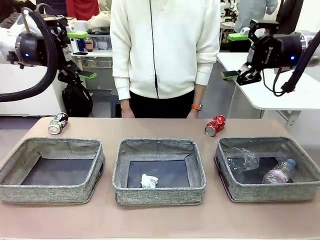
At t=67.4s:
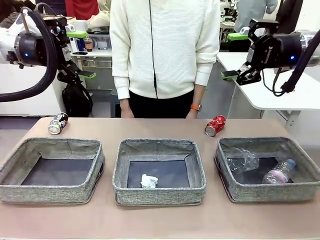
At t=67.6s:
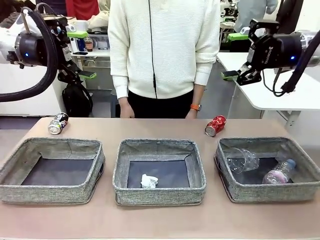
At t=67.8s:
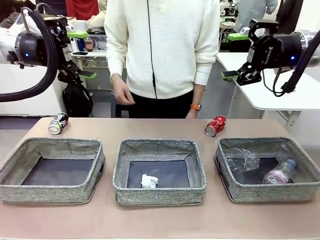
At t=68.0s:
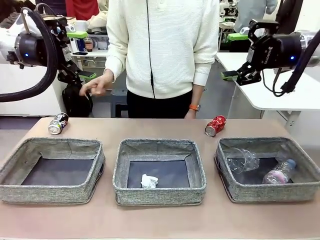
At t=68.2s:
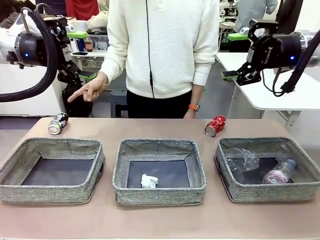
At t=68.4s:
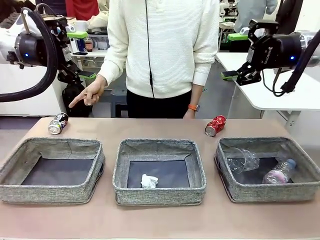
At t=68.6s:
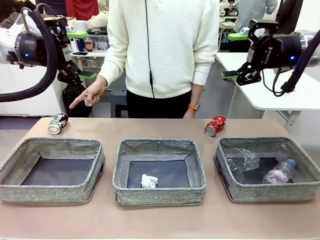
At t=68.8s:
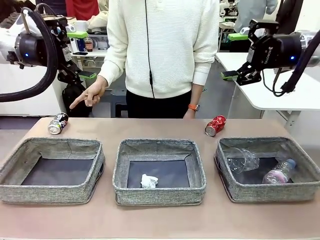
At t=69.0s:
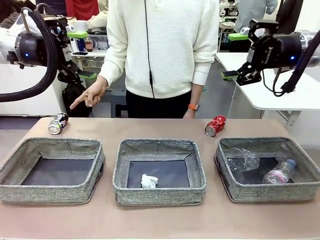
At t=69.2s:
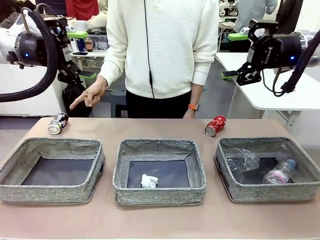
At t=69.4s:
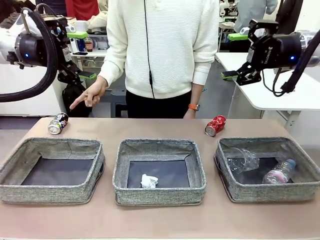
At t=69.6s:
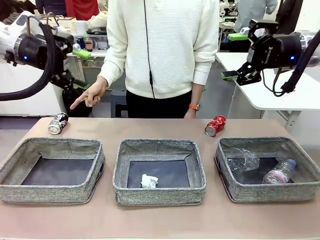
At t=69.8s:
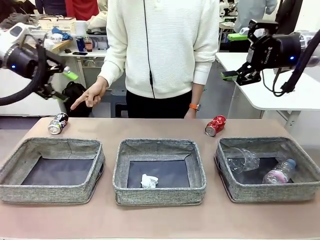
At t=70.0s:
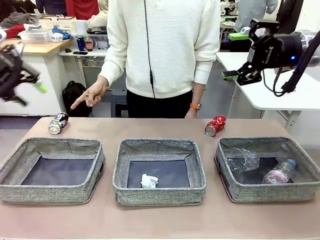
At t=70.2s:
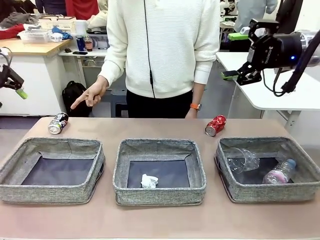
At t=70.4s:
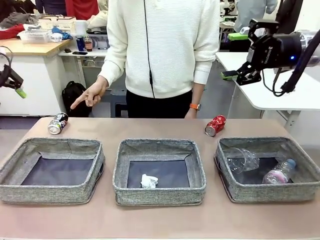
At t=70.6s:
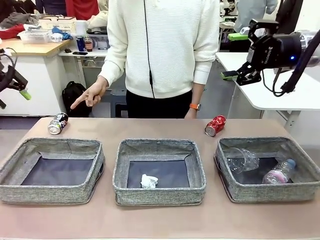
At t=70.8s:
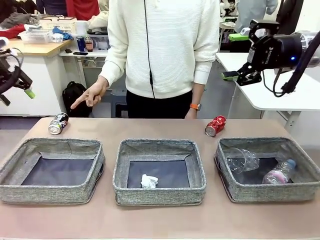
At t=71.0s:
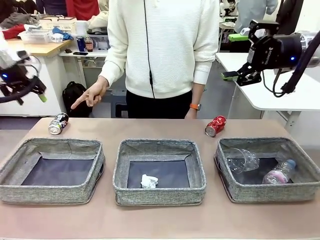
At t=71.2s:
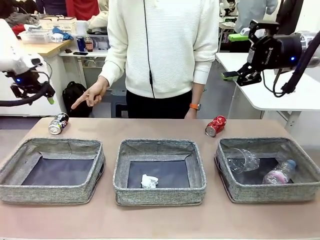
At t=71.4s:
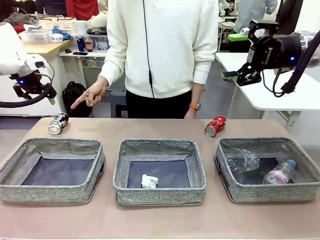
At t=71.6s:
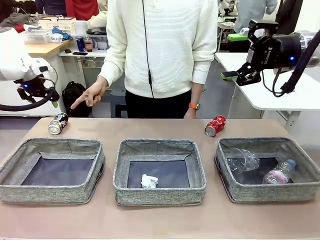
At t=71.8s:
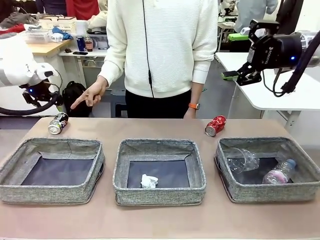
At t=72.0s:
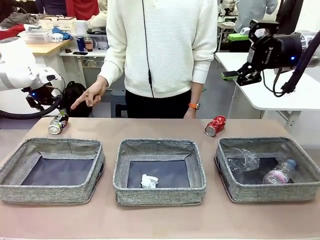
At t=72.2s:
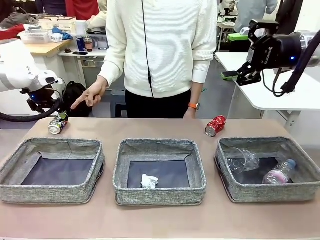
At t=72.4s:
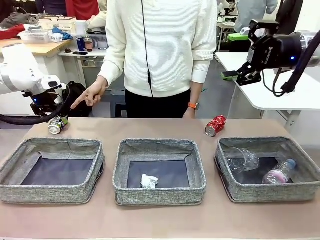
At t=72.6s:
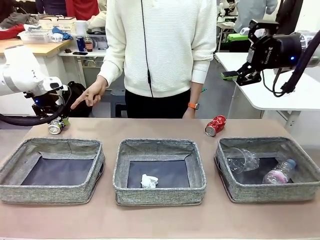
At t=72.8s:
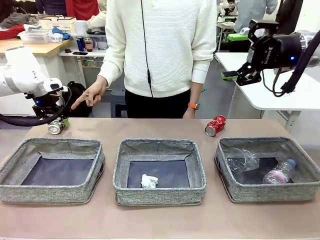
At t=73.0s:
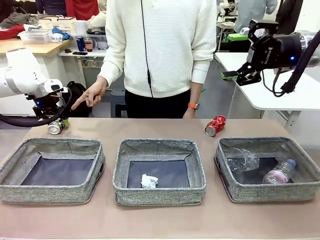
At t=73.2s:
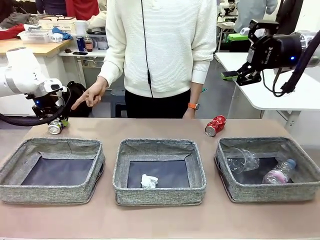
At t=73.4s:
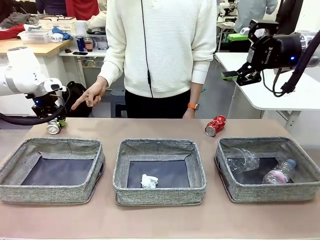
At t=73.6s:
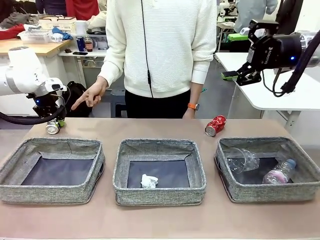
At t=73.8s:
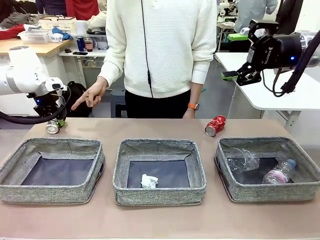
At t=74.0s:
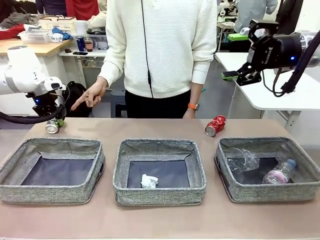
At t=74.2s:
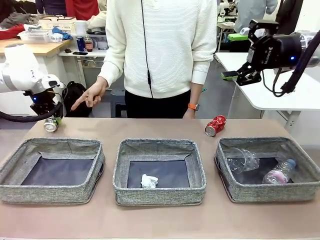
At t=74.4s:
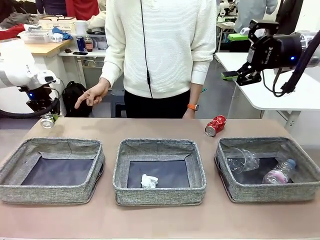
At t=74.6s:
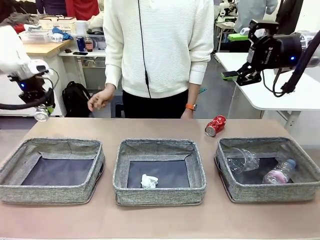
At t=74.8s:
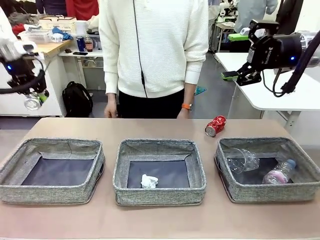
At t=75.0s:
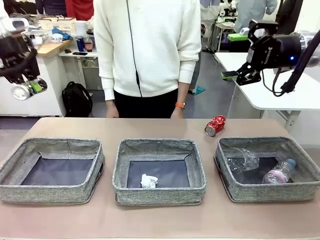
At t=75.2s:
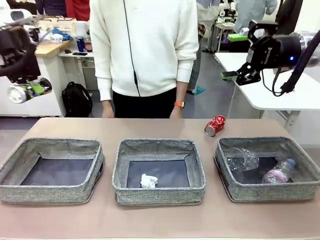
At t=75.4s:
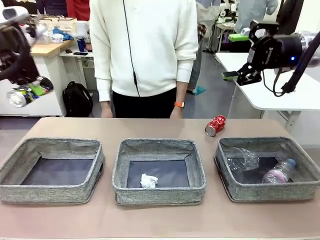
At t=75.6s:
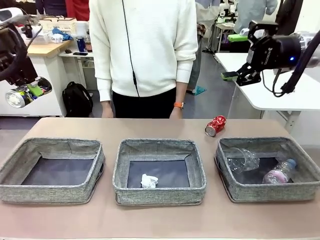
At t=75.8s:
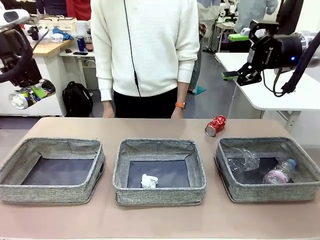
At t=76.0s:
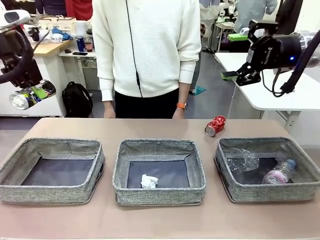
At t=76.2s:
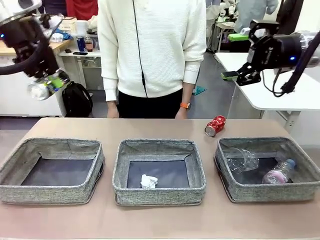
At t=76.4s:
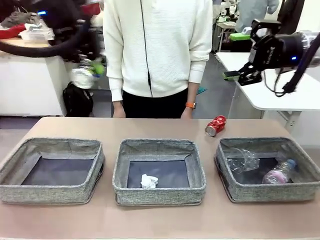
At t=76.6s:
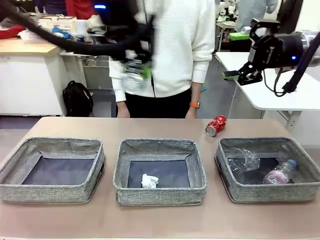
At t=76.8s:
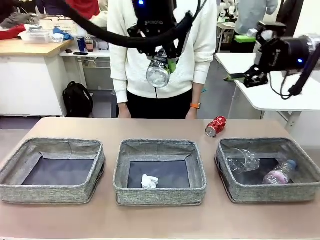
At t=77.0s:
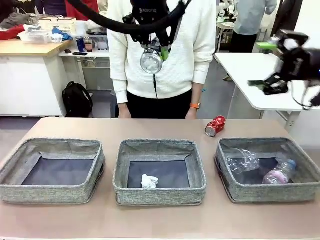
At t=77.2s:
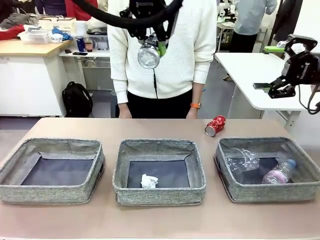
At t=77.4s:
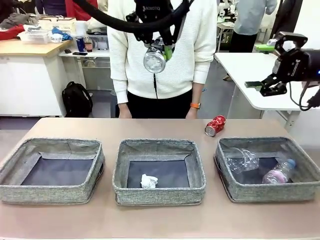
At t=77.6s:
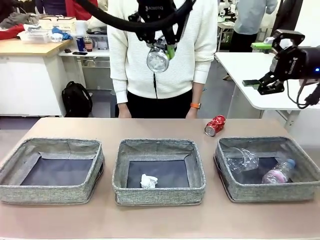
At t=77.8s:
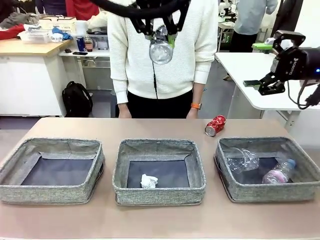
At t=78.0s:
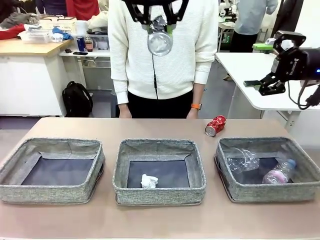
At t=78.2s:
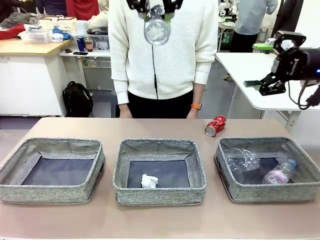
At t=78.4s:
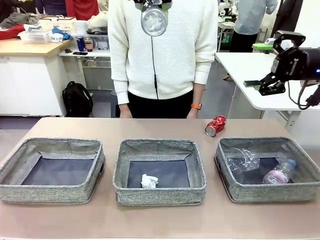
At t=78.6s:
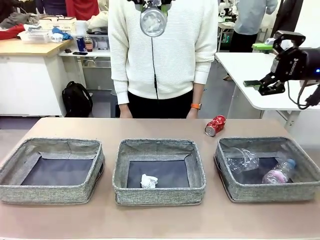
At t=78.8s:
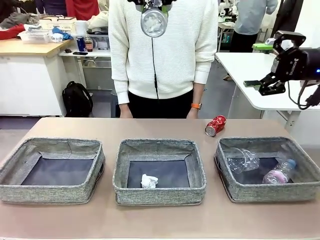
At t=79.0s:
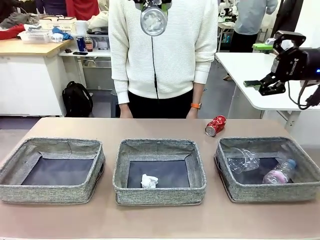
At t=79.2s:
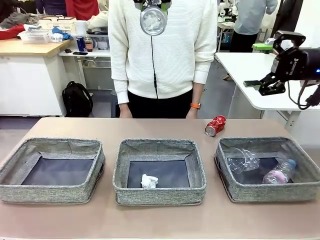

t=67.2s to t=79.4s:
Task: Sort the waste into the appropriate baskets.
Robot: Pick up the waste item pointed out by the person.
Person: Points to one piece of trash on the table.

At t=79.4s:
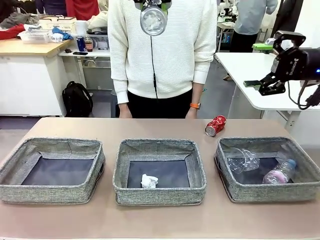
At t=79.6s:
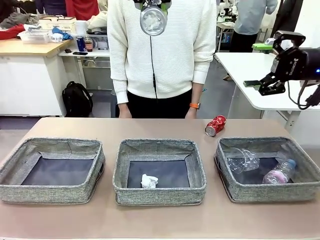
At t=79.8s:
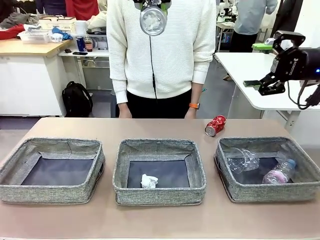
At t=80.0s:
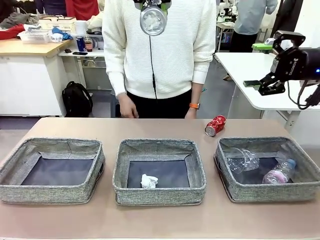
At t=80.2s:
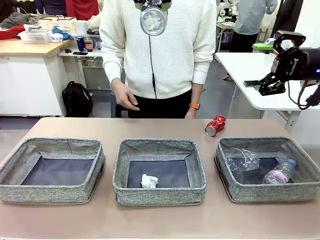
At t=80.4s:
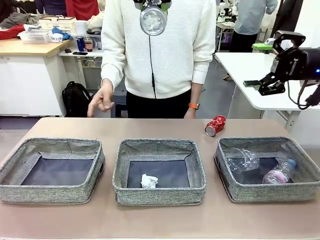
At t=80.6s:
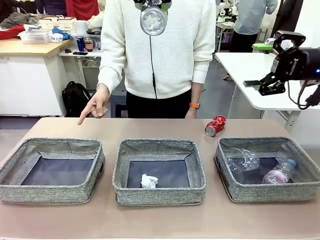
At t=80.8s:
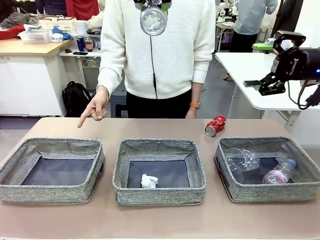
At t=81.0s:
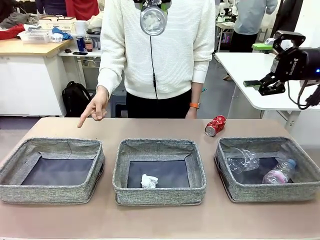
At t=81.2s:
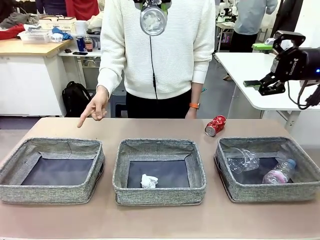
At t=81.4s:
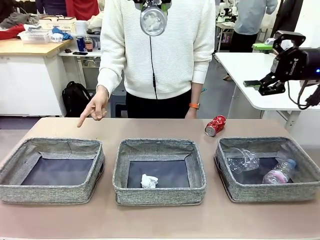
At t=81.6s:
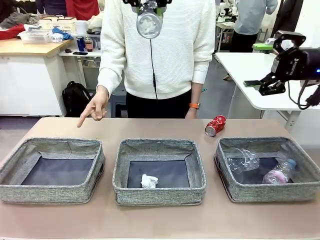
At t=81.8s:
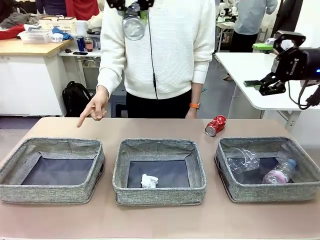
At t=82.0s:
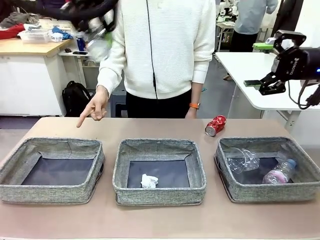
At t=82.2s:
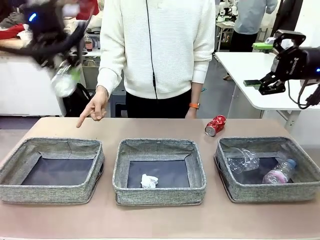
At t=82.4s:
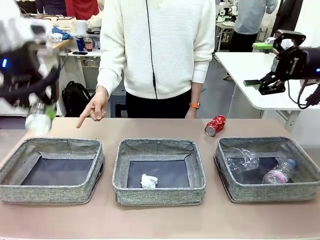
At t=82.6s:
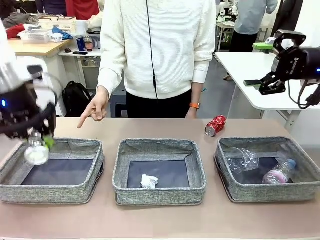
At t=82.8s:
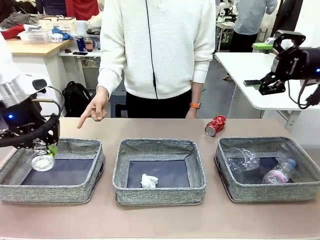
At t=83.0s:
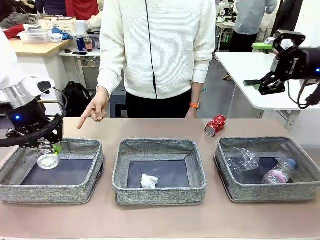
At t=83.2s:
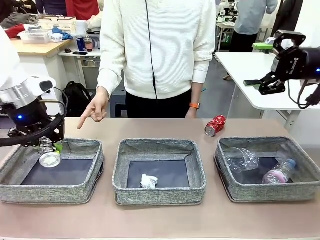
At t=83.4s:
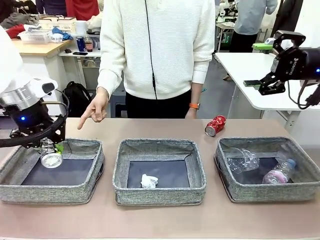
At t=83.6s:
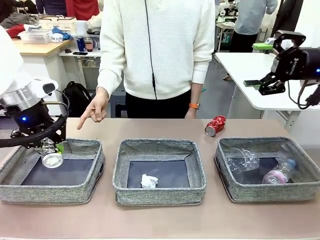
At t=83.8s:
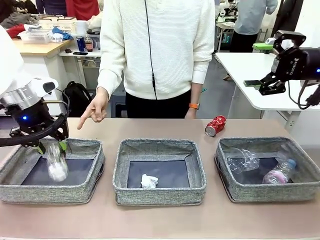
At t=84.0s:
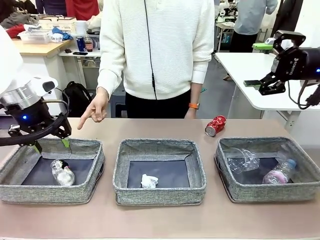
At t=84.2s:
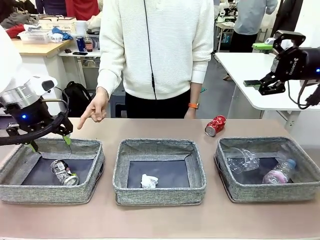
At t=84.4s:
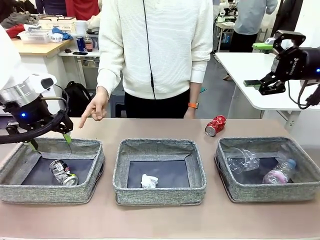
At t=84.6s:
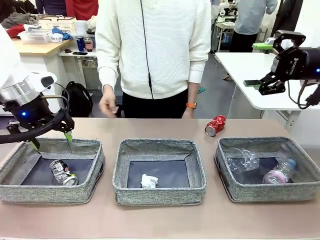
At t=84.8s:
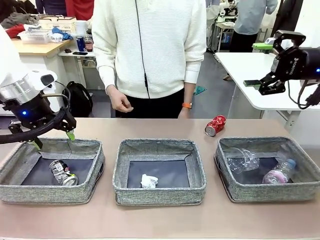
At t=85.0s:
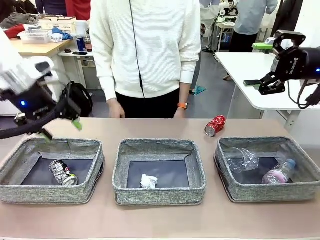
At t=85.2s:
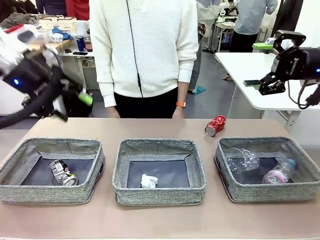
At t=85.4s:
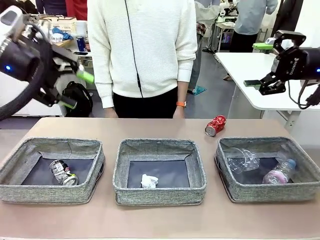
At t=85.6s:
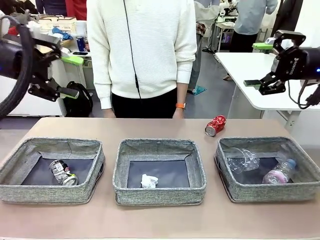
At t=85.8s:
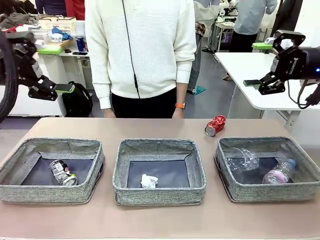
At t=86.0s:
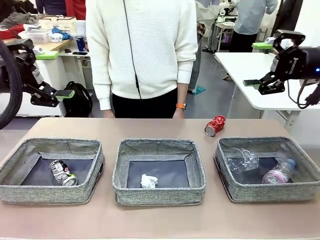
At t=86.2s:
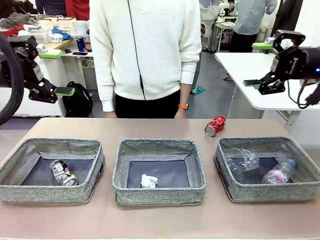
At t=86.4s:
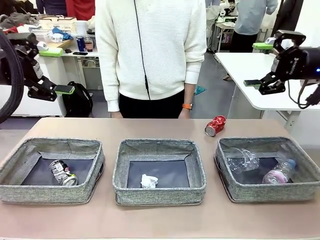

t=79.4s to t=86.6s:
Robot: Place the picked waste into the Fabric basket indicated by the person.
Person: Instructs the robot to place the picked-up trash into the appropriate organizing basket.
